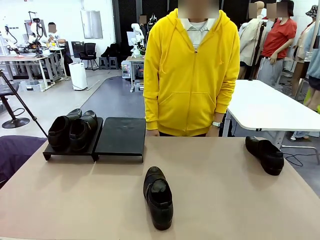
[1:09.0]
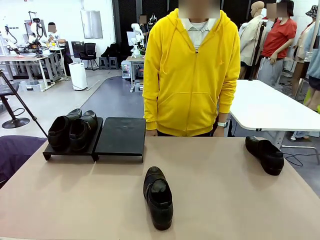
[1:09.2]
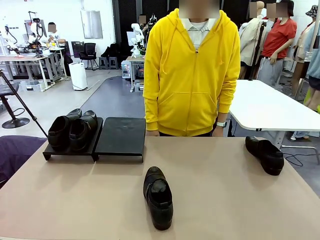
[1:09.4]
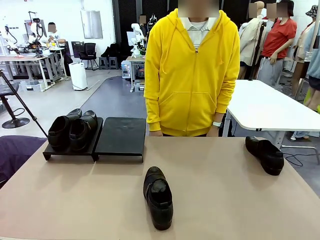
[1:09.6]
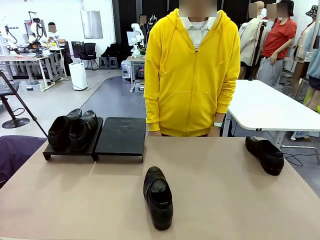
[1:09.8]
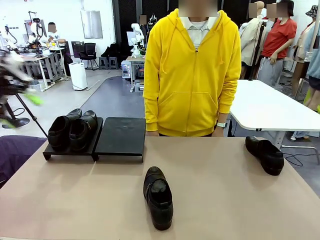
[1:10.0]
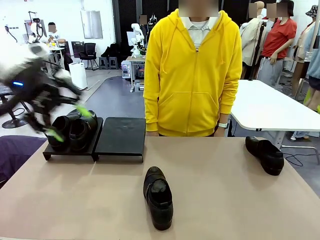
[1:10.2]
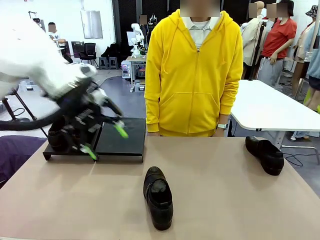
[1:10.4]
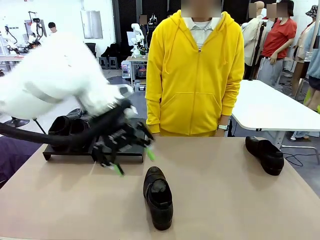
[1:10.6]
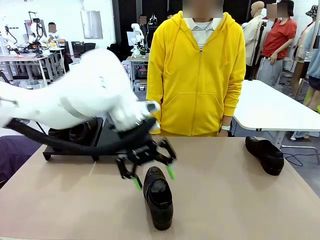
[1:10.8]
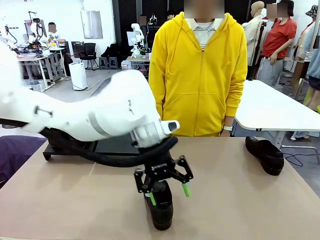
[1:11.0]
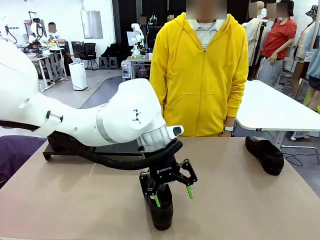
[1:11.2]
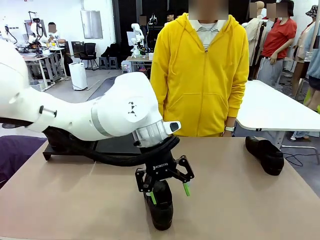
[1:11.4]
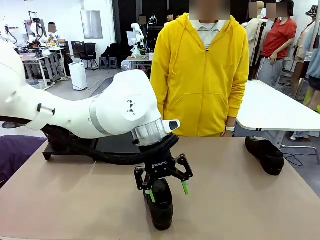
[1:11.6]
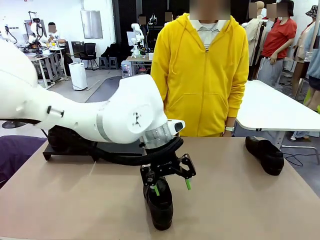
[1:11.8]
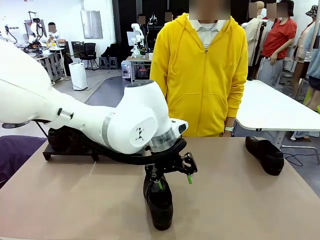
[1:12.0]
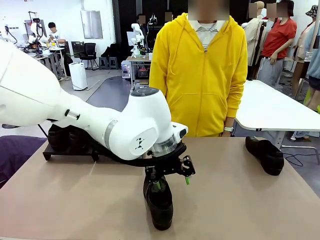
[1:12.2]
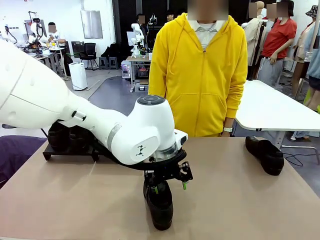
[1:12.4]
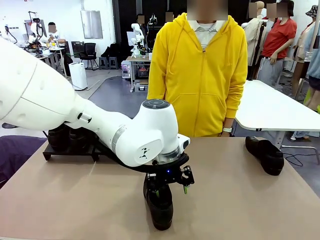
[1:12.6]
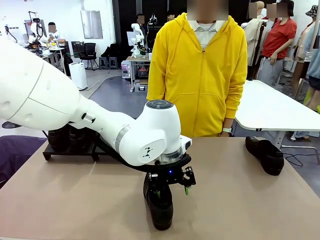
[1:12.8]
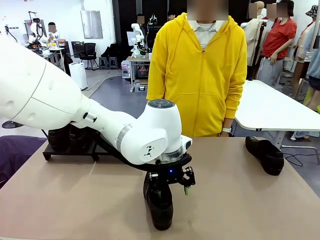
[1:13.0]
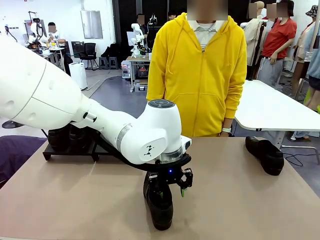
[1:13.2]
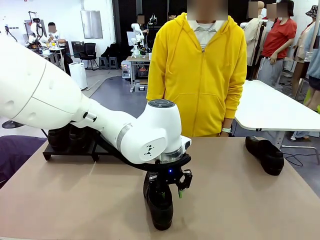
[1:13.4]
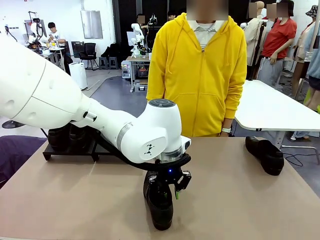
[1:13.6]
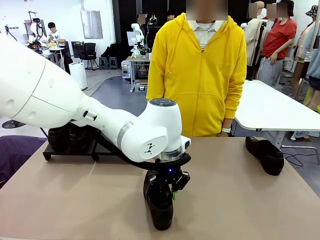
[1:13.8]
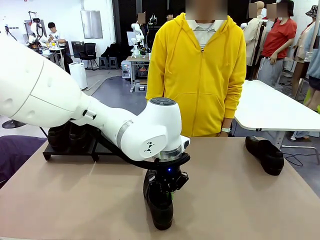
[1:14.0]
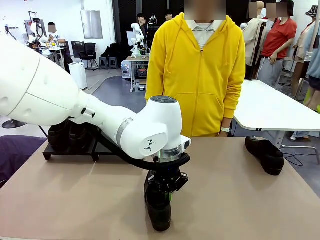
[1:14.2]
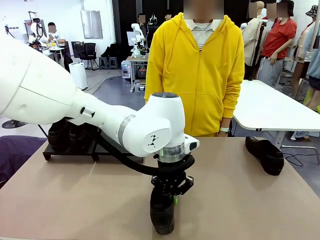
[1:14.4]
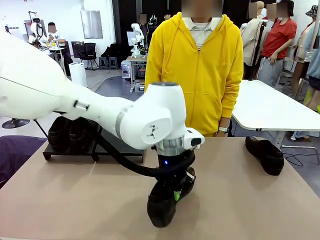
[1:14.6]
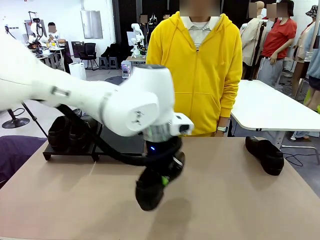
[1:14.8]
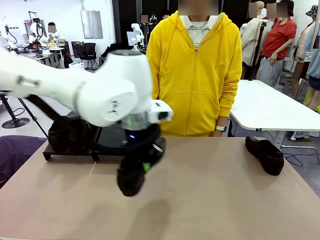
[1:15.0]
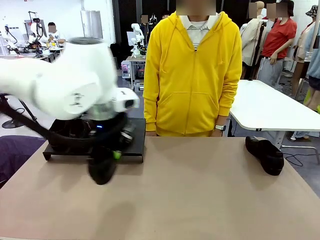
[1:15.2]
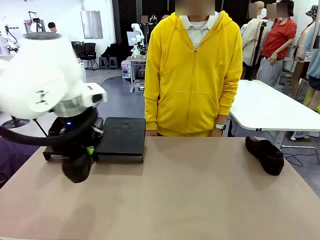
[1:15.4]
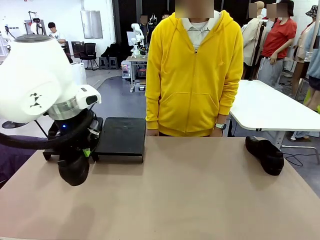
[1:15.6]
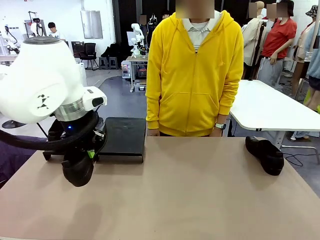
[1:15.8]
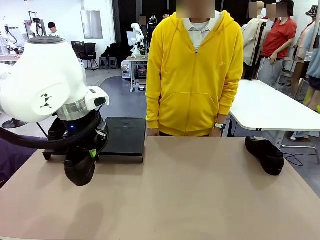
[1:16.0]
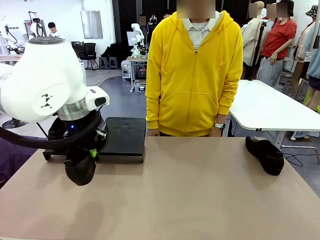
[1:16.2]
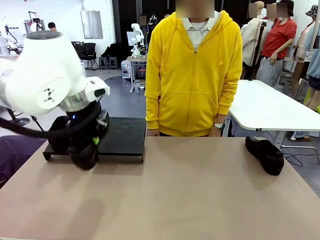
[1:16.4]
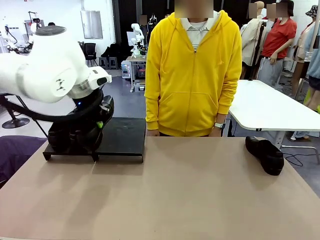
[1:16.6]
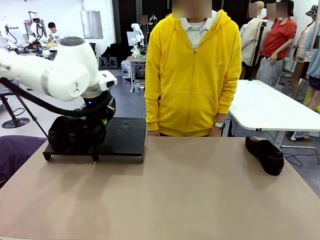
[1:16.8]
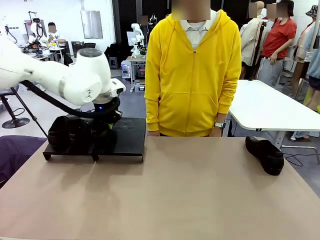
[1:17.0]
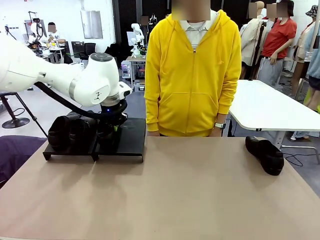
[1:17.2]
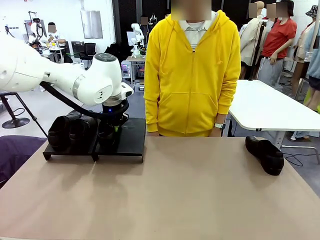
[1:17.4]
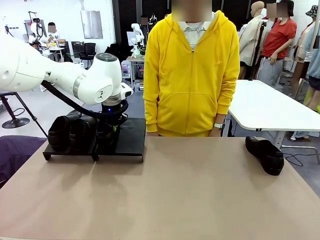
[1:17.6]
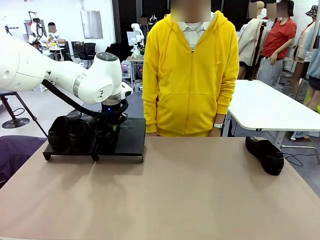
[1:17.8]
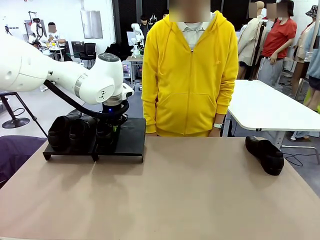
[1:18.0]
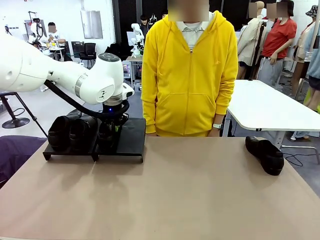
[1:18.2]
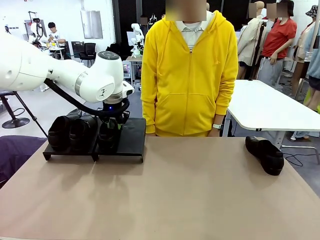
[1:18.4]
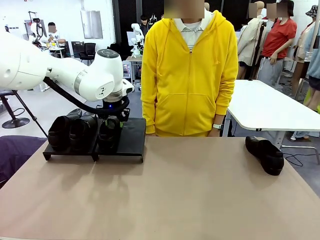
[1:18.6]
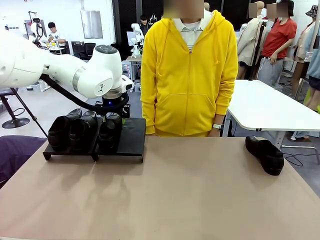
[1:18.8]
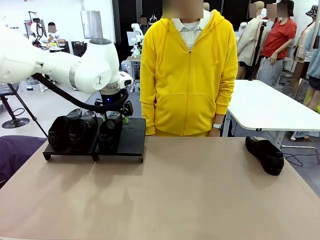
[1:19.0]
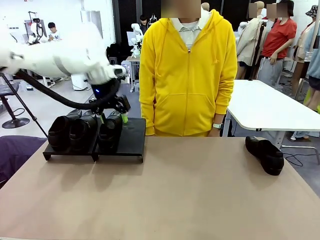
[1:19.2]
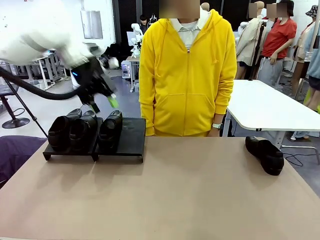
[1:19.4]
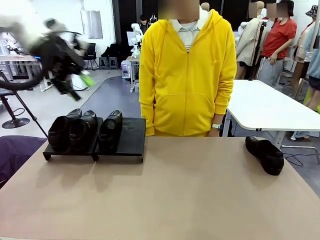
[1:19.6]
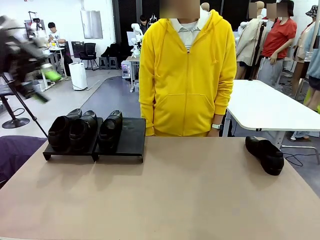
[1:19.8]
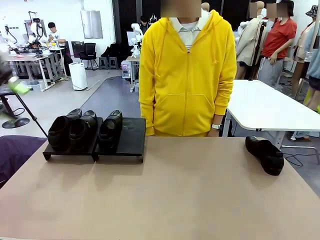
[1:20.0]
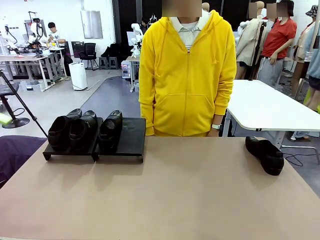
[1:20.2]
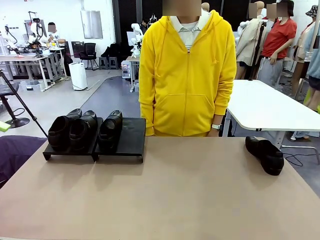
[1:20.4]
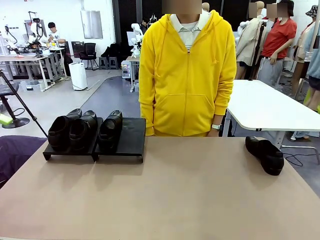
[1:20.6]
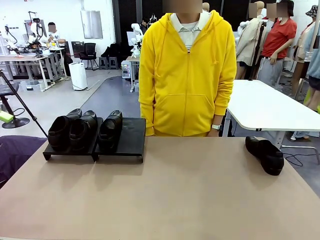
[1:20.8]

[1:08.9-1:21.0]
Task: Organize the shoes by placing them on the stand.
Robot: Place the Shoe from the middle of the table onto the Shoes Stand.

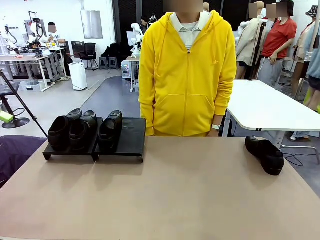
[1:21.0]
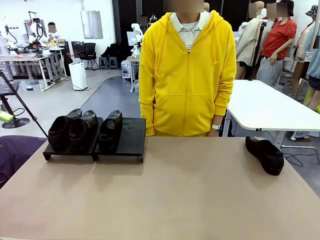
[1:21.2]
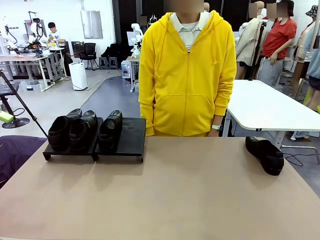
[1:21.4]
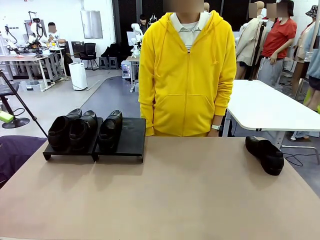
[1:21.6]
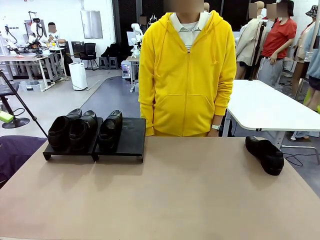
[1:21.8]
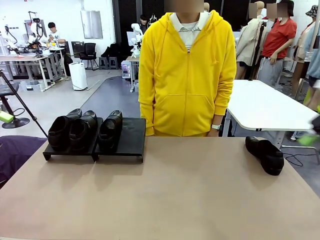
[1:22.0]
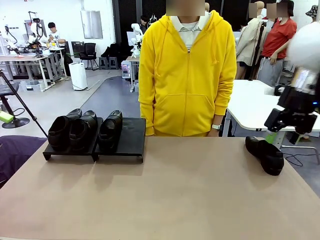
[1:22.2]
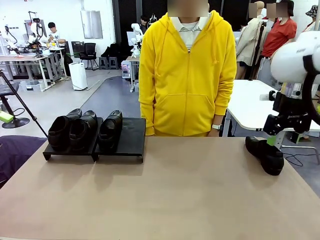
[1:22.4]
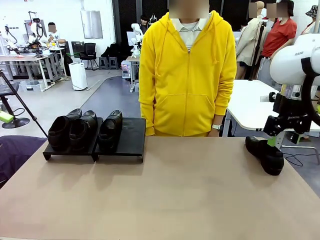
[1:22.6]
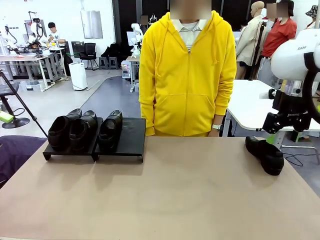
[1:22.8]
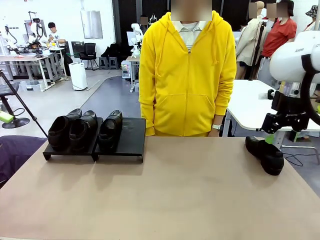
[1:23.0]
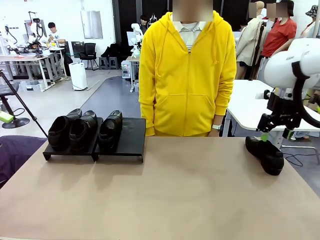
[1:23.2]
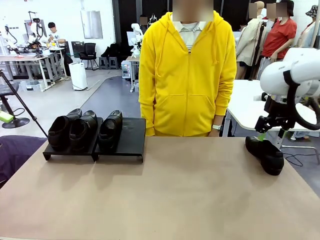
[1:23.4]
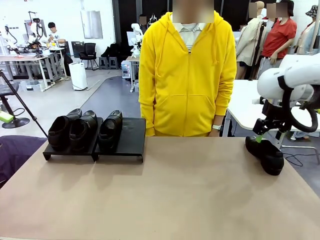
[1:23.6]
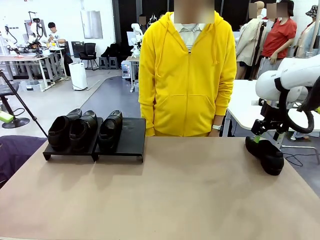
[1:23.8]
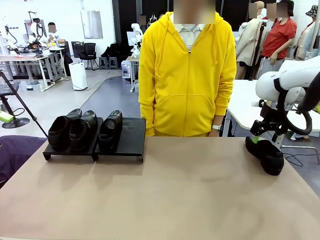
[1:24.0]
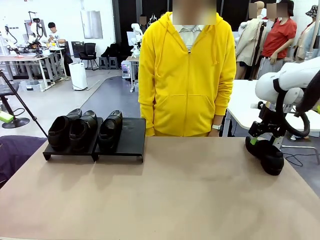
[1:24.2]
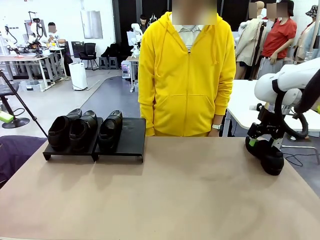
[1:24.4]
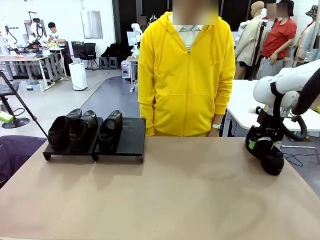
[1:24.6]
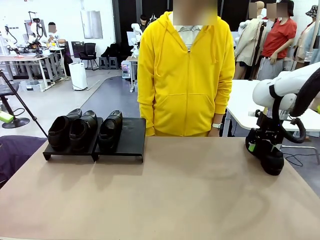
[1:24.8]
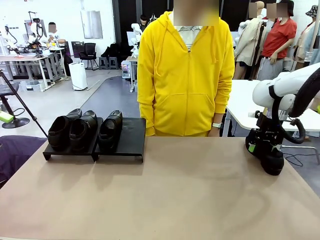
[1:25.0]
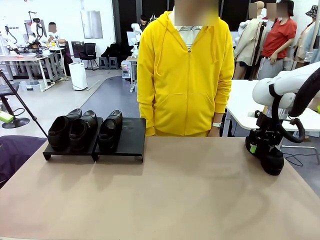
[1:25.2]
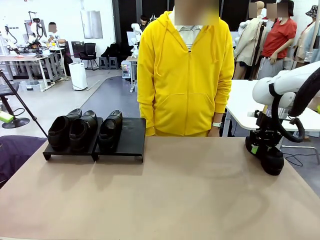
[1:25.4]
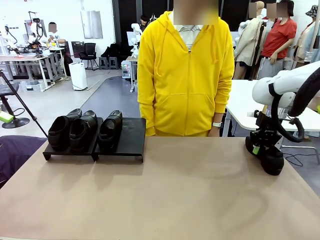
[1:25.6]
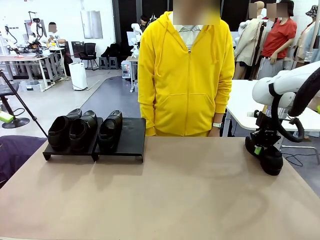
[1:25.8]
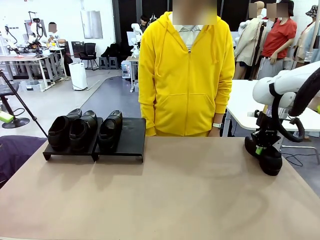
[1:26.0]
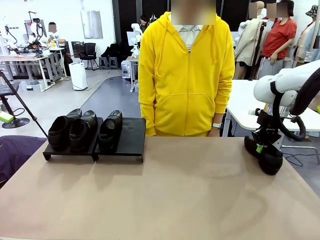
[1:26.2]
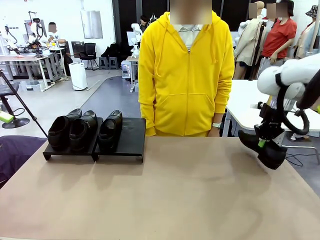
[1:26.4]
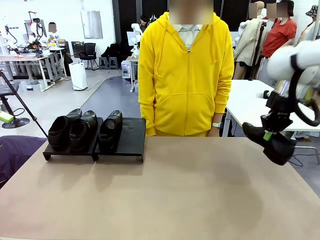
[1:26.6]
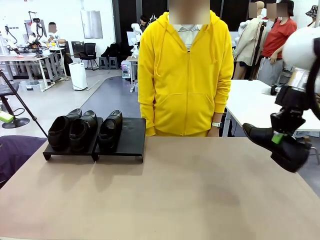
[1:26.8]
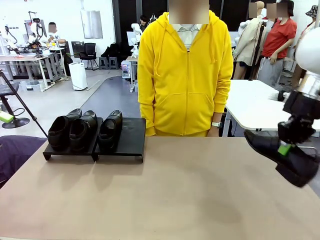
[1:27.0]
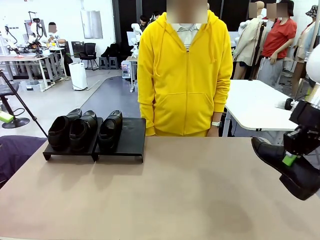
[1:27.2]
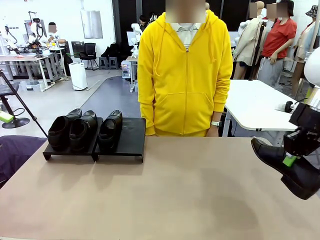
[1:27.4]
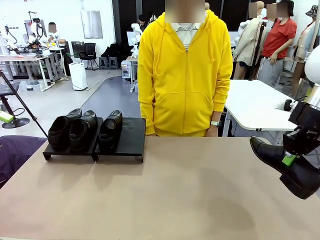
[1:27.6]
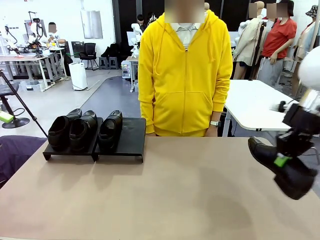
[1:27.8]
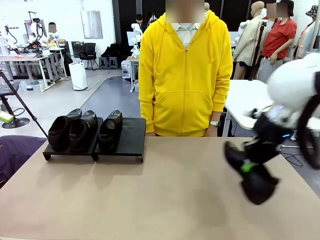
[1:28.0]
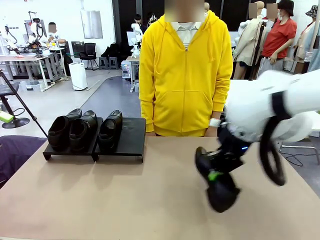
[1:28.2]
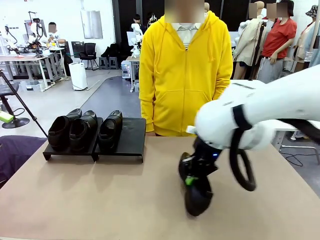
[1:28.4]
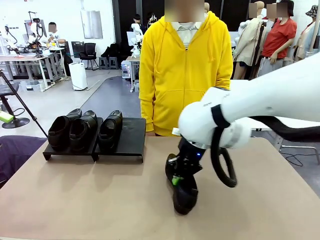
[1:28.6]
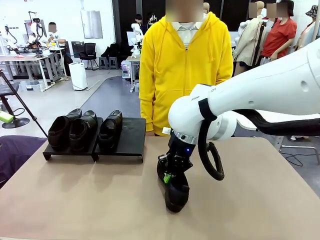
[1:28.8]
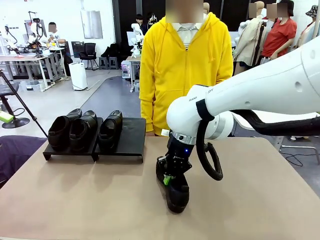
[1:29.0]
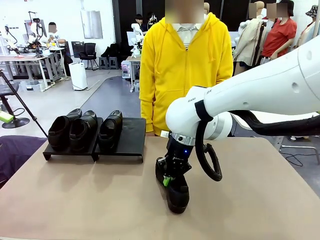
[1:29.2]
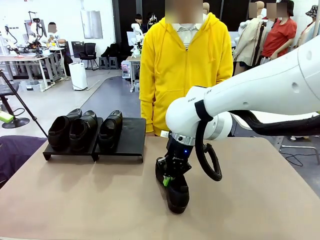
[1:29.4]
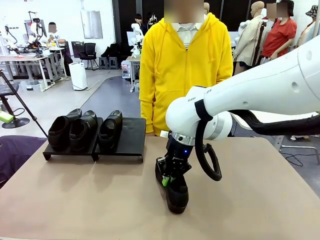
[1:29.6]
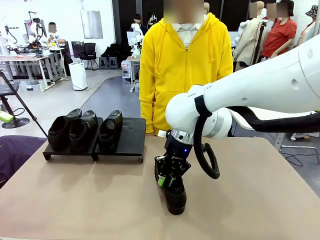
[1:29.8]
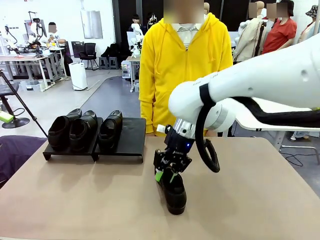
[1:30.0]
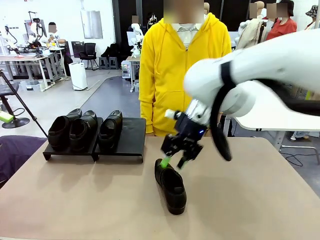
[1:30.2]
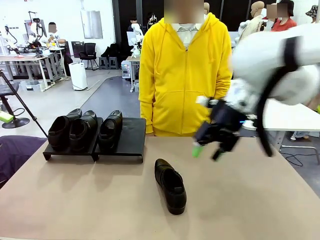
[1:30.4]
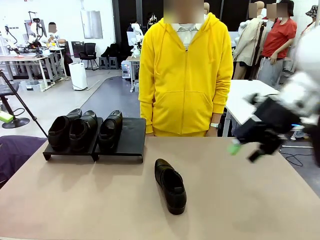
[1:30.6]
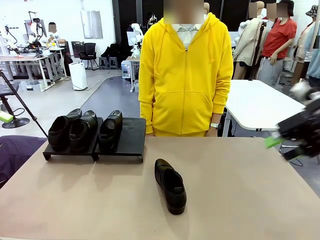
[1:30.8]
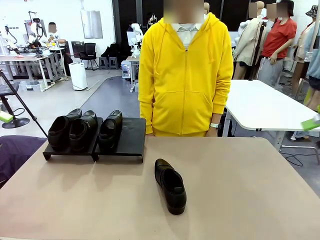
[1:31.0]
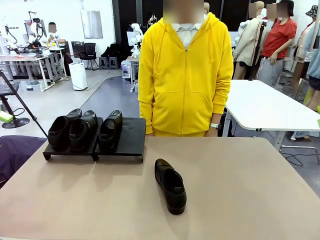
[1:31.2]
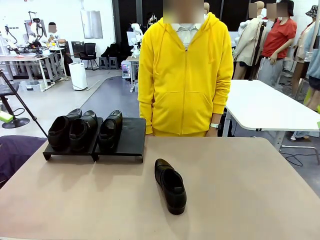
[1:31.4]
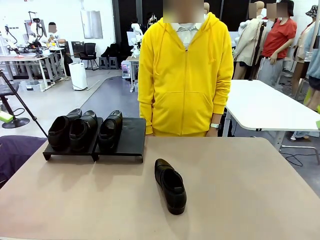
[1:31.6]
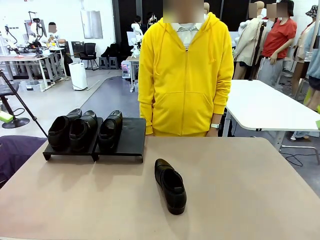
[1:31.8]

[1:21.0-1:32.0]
Robot: Pick up one Shoe and place it in the middle of the table.
